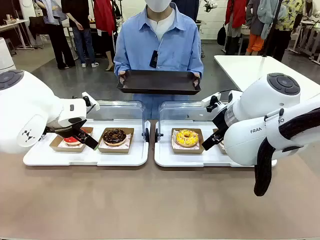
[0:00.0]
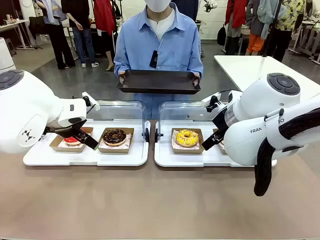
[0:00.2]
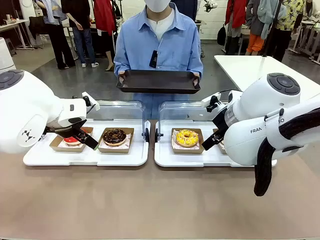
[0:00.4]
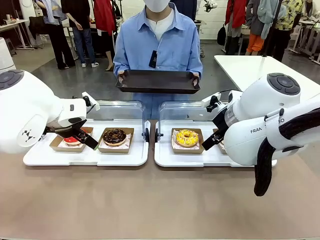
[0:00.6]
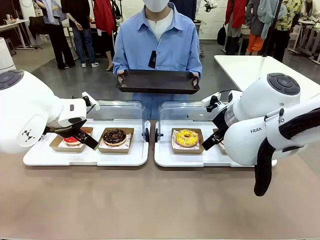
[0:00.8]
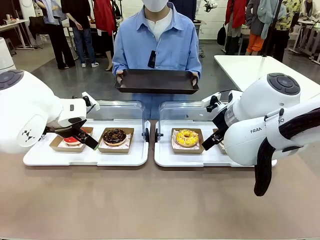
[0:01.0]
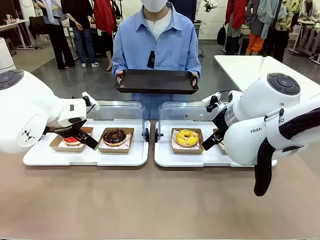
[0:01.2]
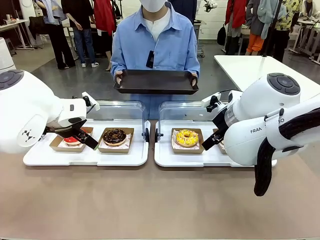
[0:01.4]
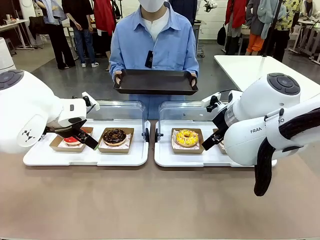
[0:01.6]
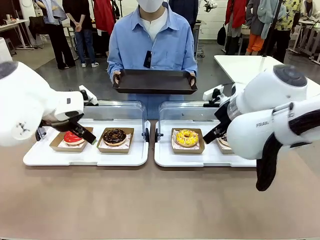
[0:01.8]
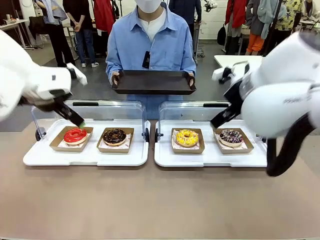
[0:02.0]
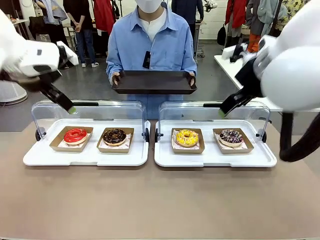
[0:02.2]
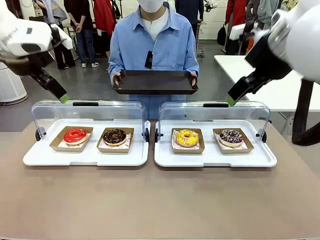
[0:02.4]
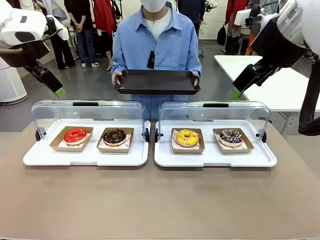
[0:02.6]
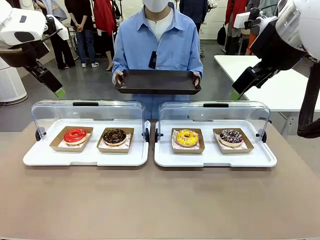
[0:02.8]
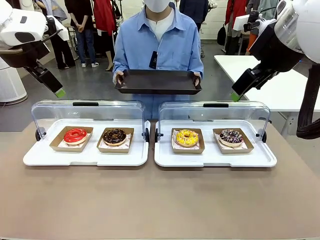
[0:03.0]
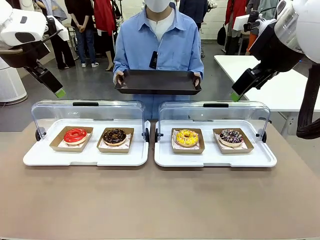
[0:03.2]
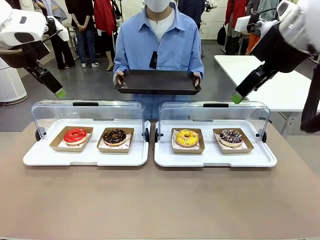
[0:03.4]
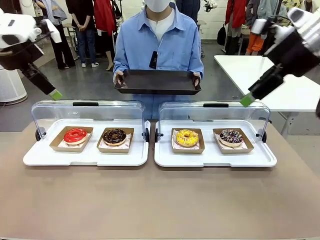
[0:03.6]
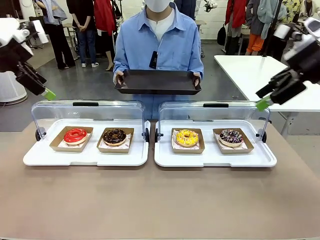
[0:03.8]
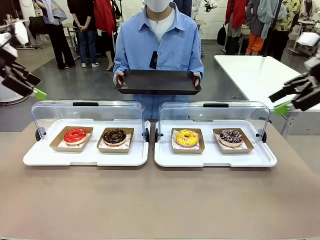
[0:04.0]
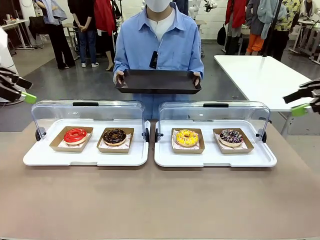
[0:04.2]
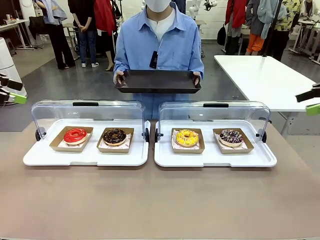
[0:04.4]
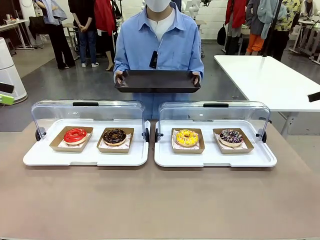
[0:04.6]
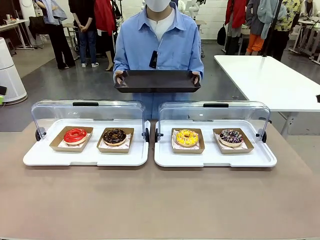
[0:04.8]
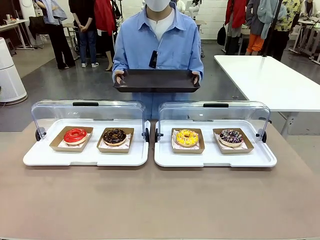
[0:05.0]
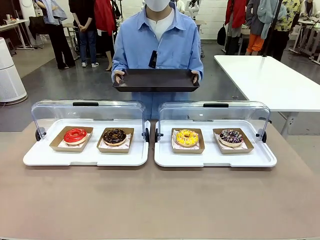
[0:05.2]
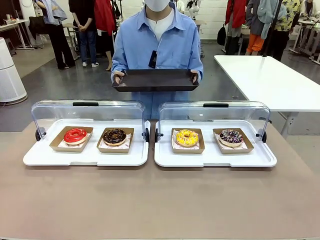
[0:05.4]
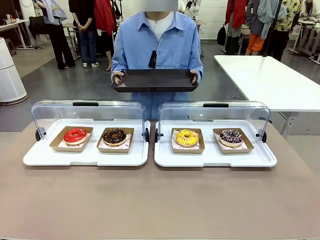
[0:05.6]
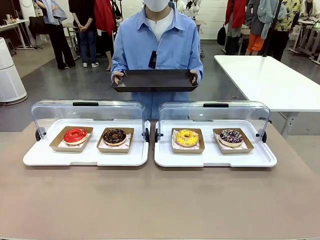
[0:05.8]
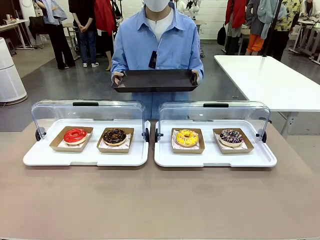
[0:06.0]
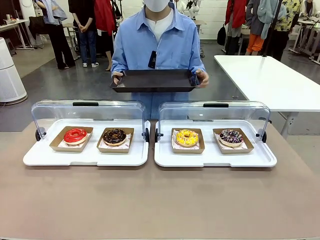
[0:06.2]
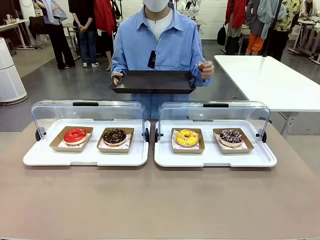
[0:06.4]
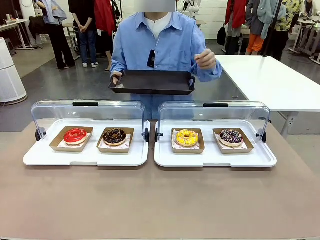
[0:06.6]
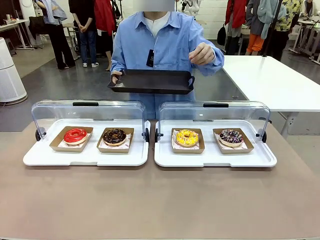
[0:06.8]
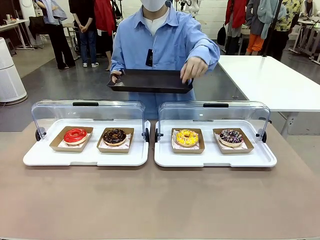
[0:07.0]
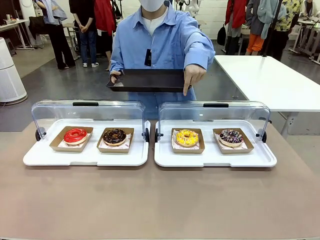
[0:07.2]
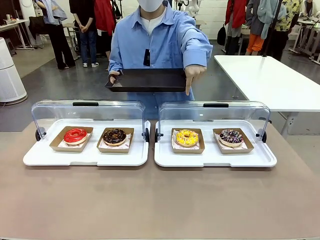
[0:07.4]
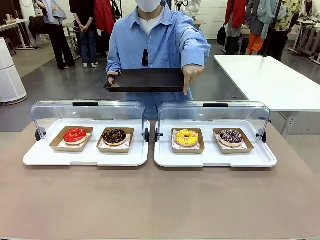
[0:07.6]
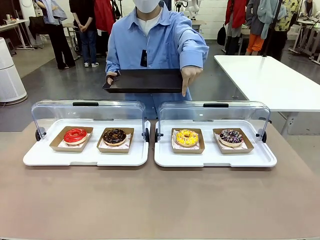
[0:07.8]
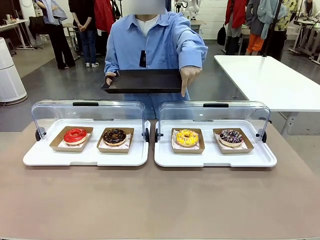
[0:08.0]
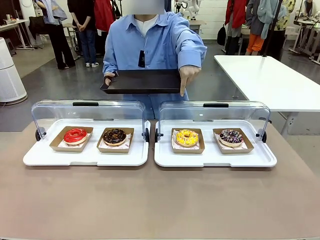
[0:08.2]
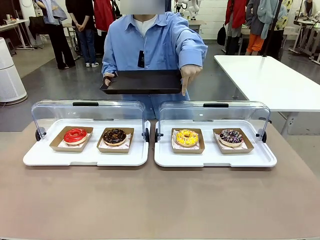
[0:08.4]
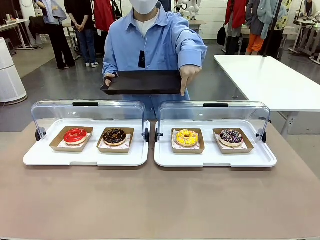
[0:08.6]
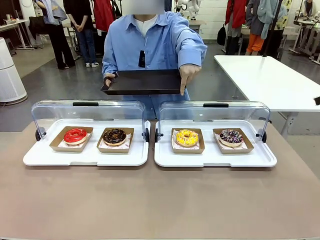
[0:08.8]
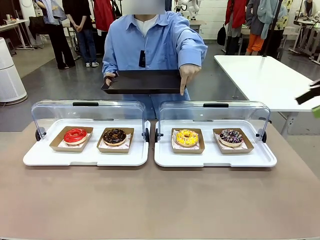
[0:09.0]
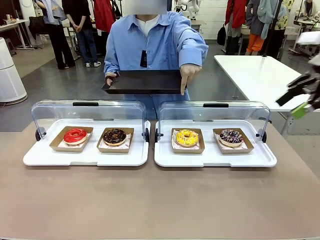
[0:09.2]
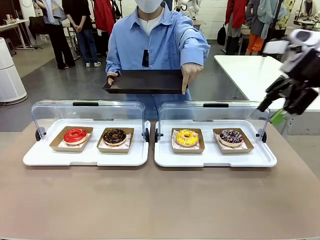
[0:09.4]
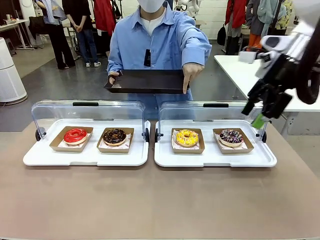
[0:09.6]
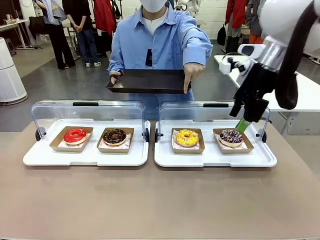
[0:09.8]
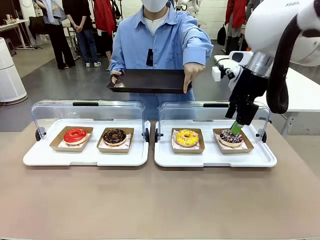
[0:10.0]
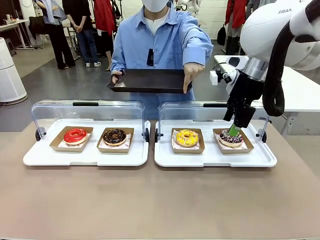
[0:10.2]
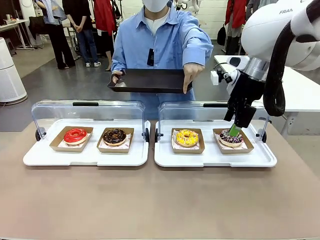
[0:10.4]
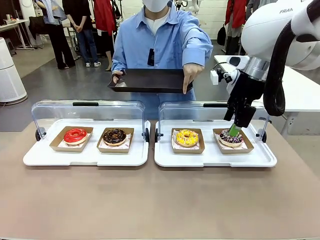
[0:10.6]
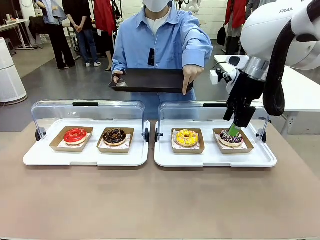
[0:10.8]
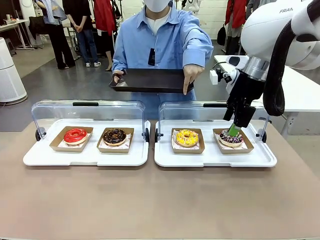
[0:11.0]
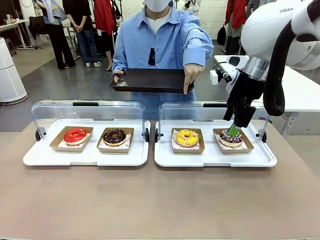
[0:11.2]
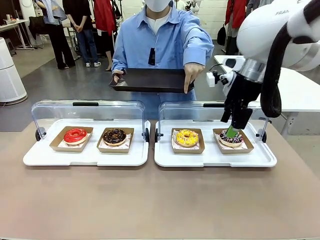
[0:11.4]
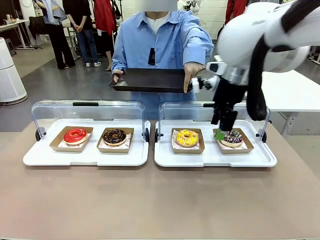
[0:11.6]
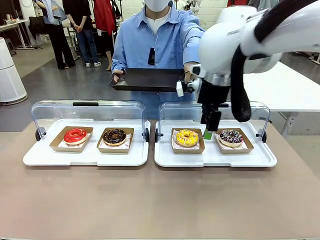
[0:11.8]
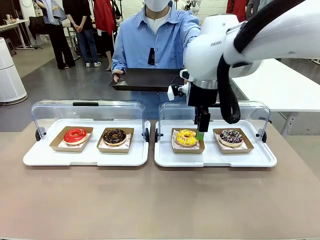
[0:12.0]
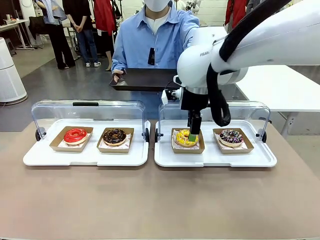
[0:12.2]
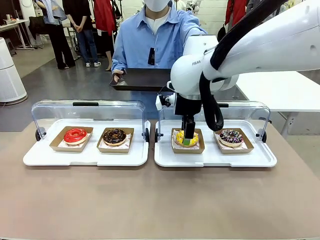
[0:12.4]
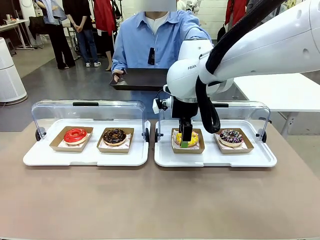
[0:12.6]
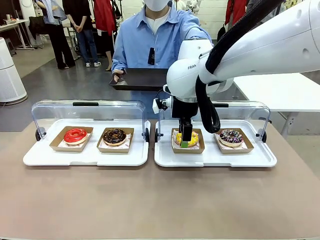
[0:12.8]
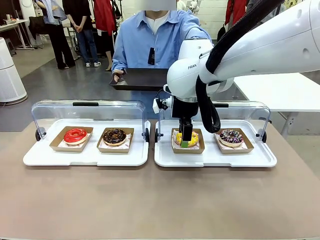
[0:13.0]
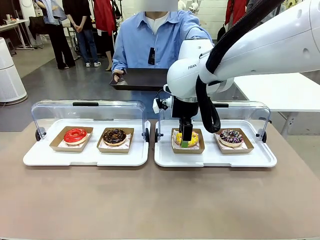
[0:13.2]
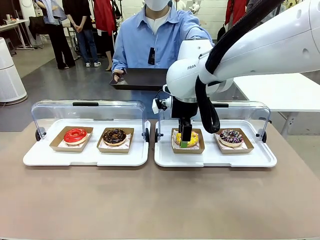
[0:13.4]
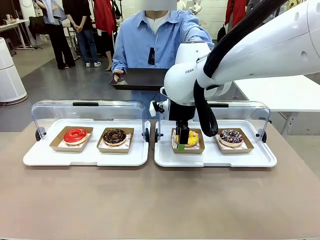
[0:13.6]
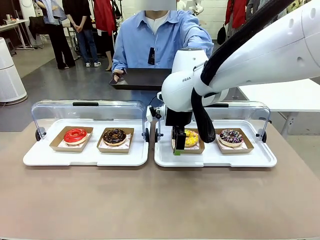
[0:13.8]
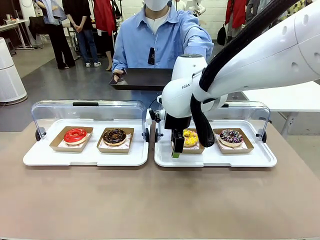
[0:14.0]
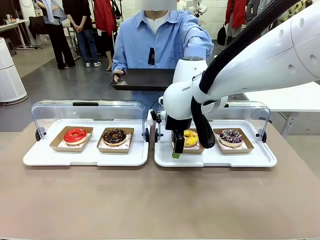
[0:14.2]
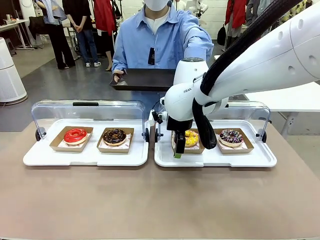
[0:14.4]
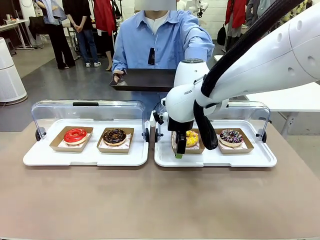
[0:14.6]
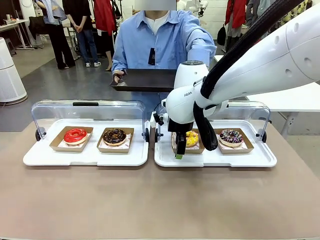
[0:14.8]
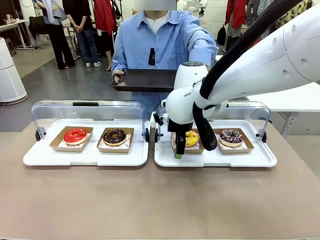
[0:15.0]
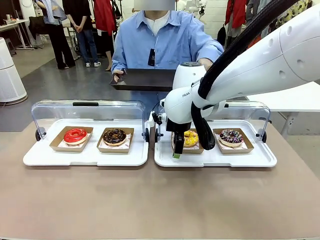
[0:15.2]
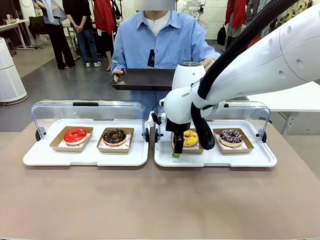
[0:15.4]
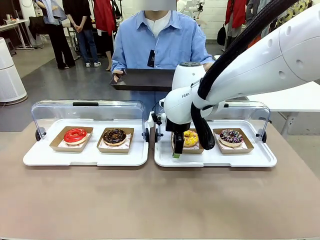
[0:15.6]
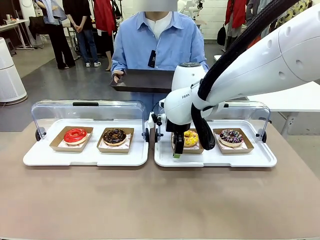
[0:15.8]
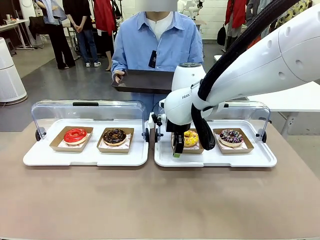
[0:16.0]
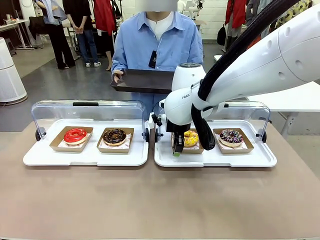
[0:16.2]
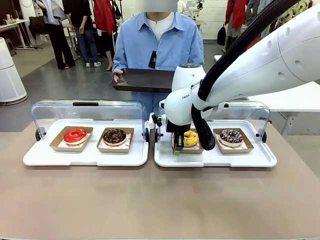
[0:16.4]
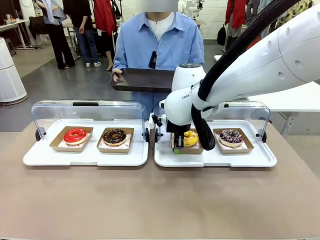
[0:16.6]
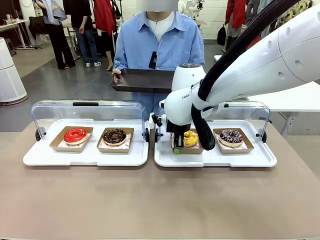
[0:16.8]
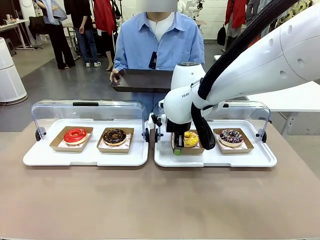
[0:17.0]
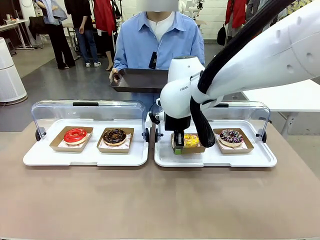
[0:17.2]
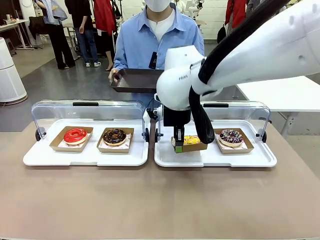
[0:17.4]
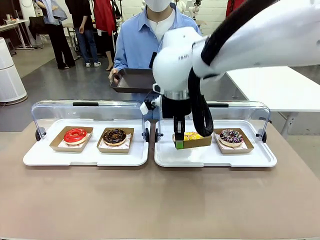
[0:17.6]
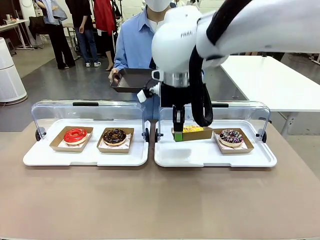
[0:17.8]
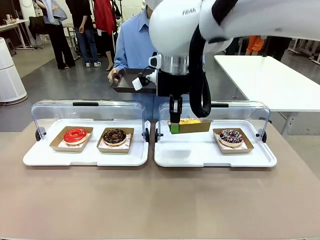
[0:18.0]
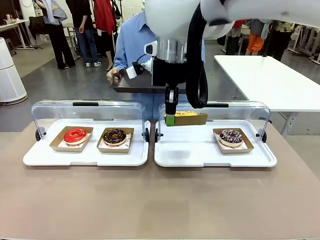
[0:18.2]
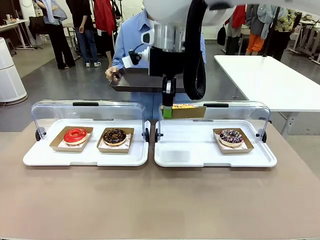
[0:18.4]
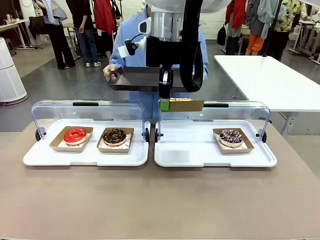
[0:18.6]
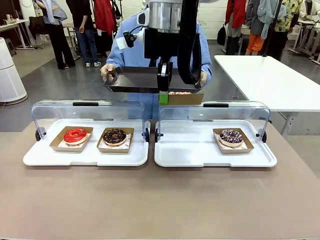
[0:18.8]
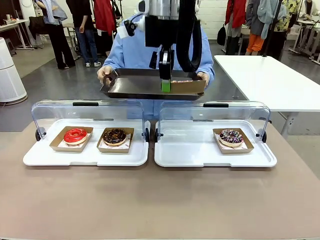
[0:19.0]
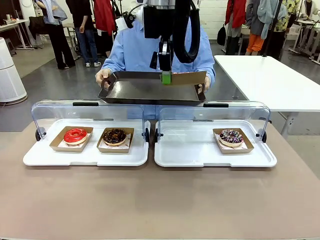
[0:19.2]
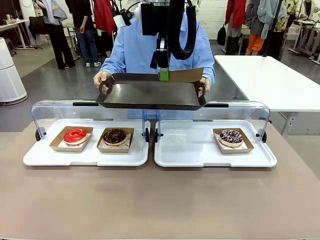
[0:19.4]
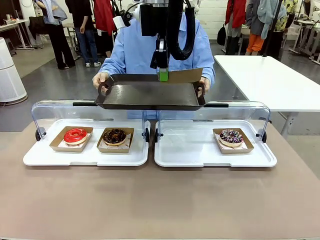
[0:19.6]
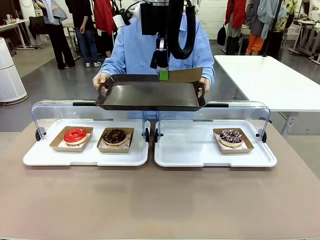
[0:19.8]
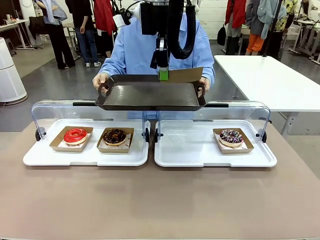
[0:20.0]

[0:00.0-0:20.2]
Task: Provide the desired donut to the person.
Robot: Pick up and lift the Paper togo box containing the Donut pointed at by the person.
Person: Point to one donut. Lift the tray onto the Roll-Top Bakery Case.

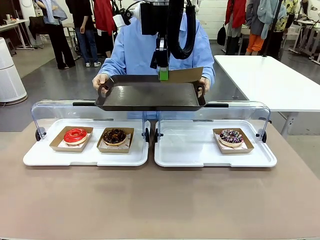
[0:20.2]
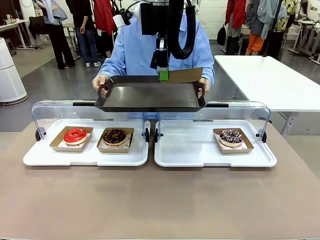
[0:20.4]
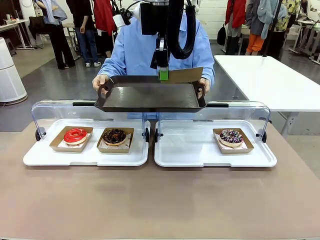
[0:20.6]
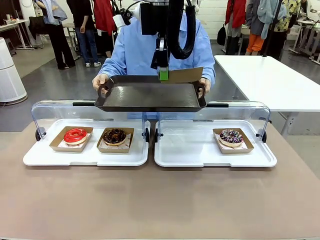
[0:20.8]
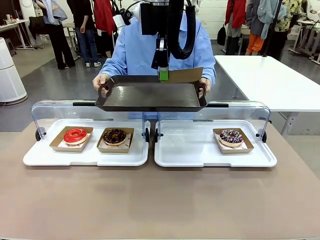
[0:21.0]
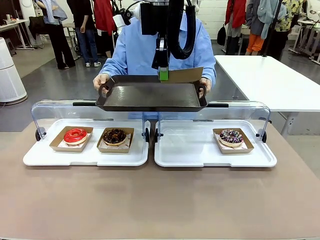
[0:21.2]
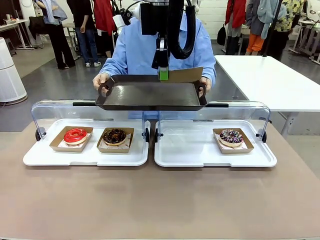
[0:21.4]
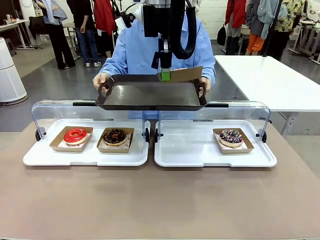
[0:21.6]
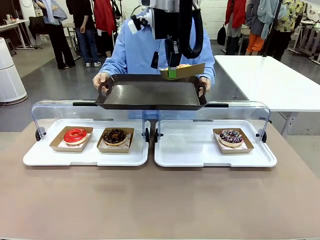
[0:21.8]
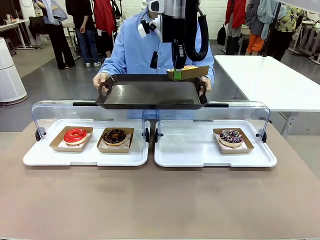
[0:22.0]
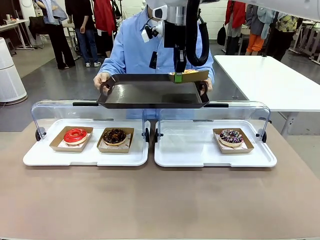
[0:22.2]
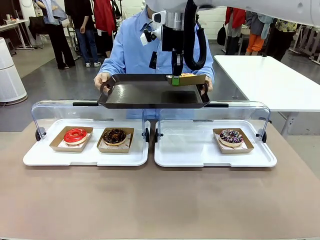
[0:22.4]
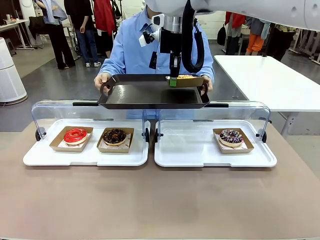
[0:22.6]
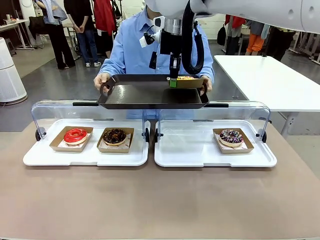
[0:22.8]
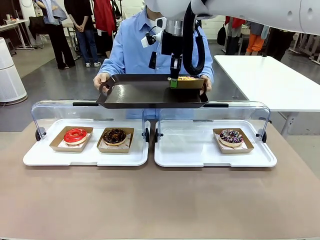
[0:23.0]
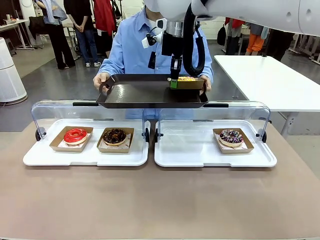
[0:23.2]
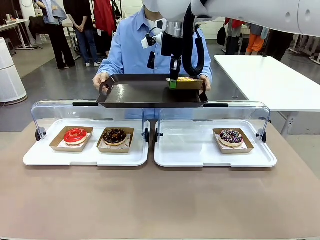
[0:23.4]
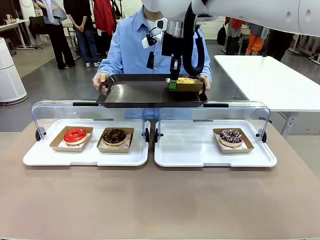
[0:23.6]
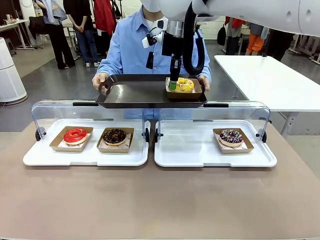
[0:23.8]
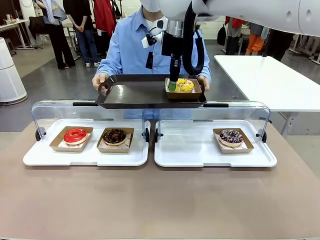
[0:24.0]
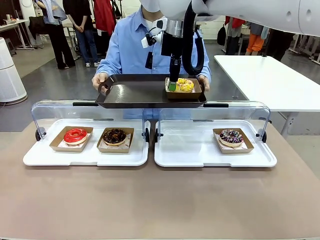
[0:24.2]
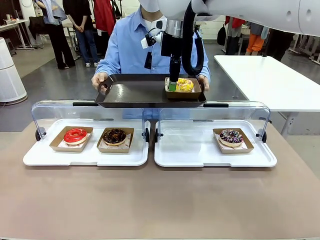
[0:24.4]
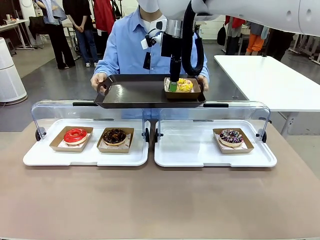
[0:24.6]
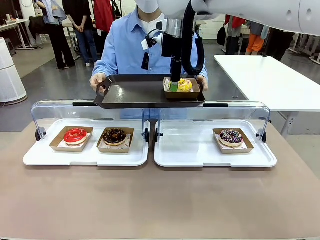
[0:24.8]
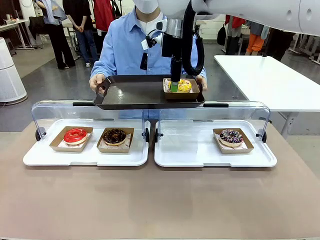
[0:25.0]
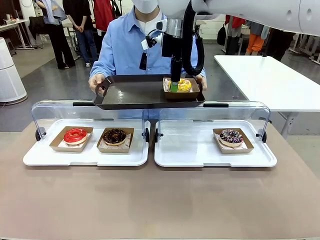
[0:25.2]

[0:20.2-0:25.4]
Robot: Place the picked Paper togo box onto the Handle tray extended by the person.
